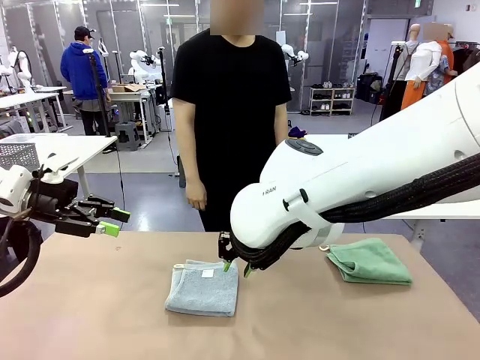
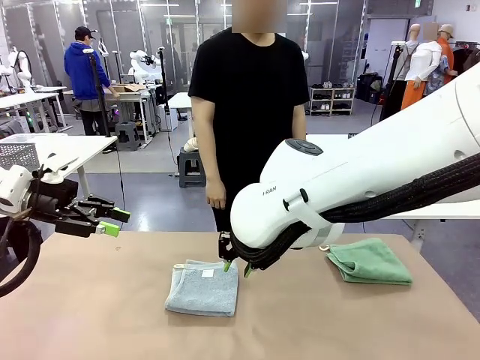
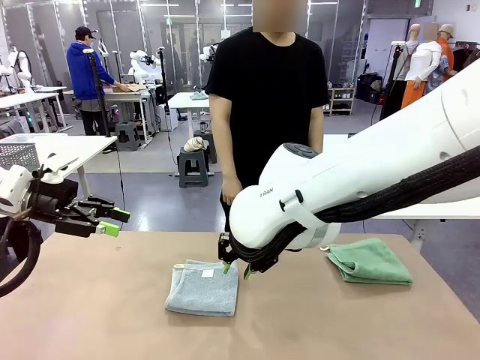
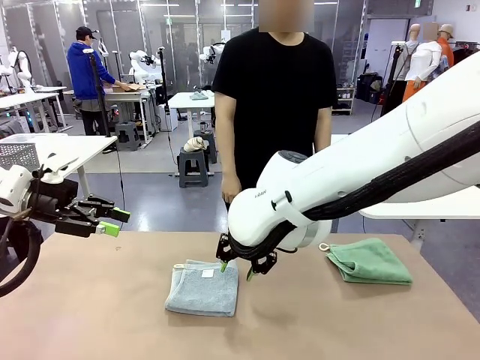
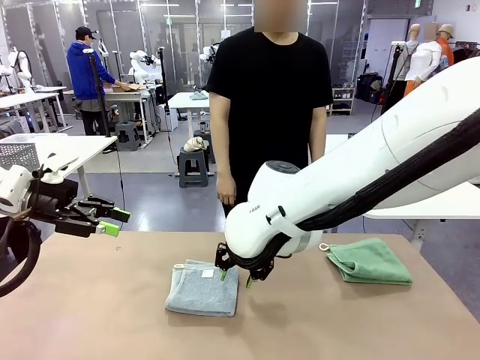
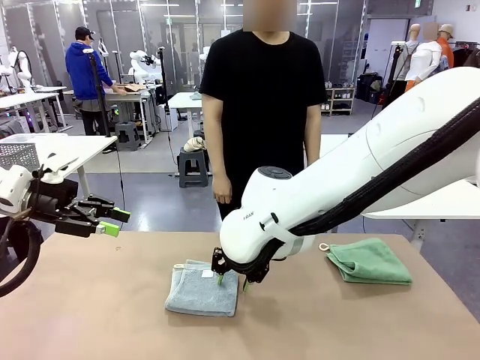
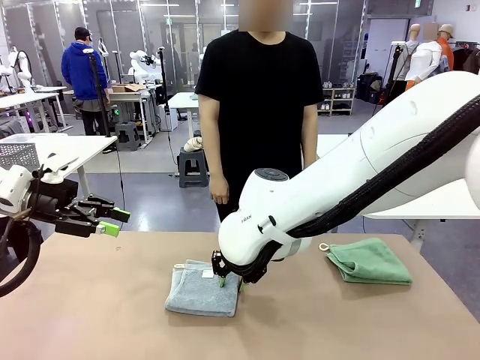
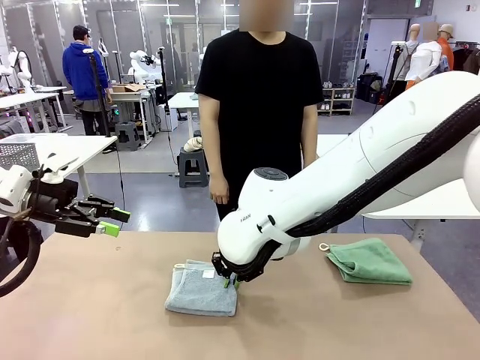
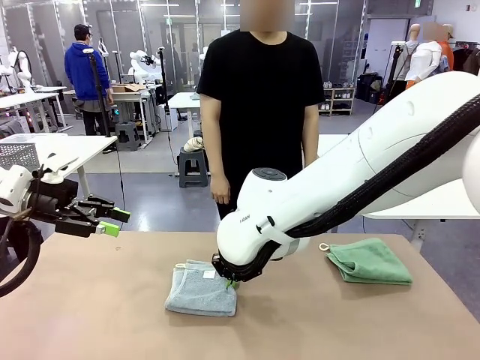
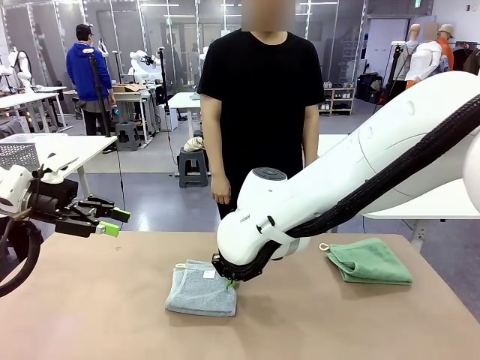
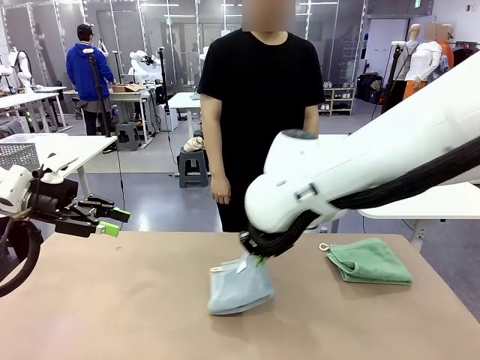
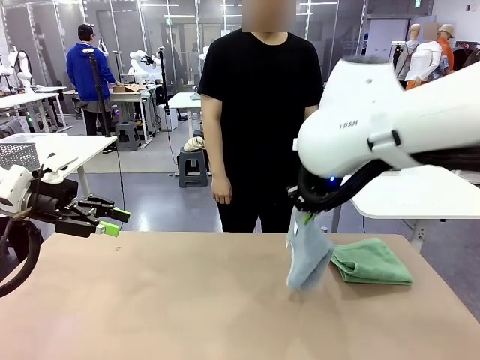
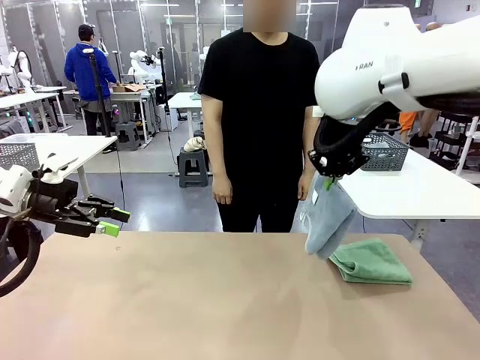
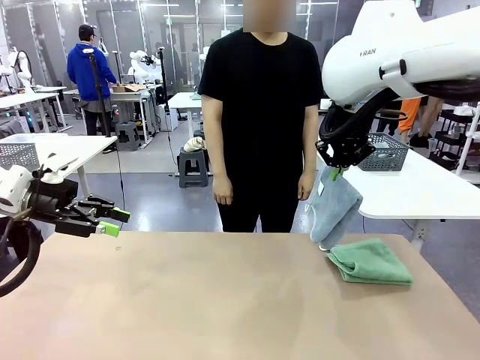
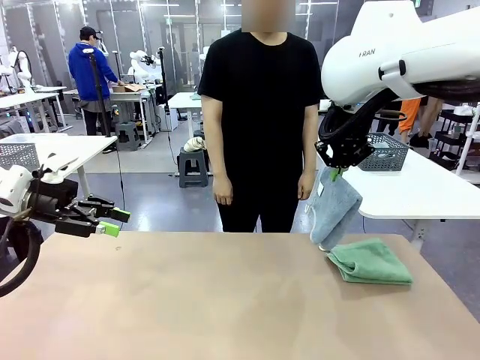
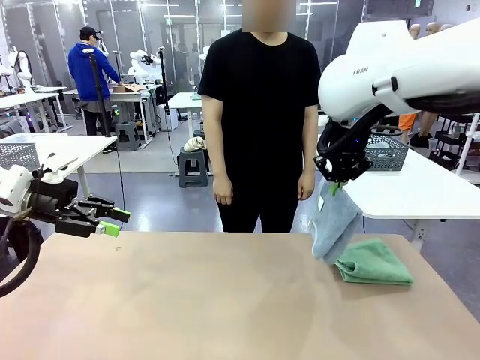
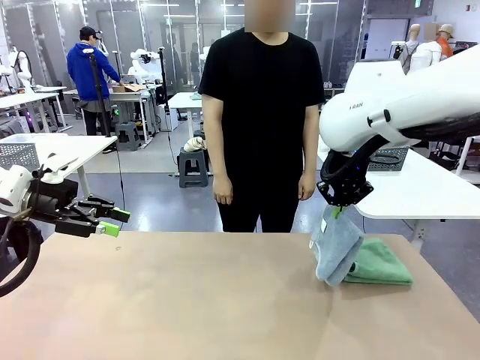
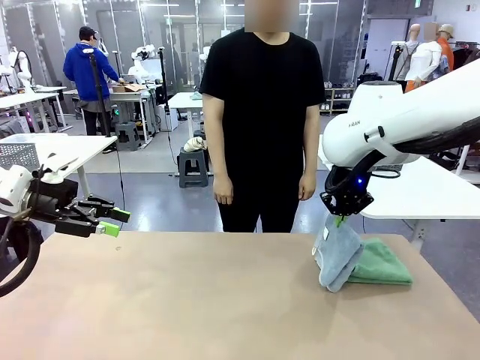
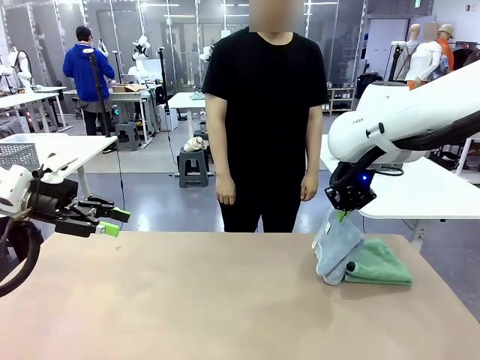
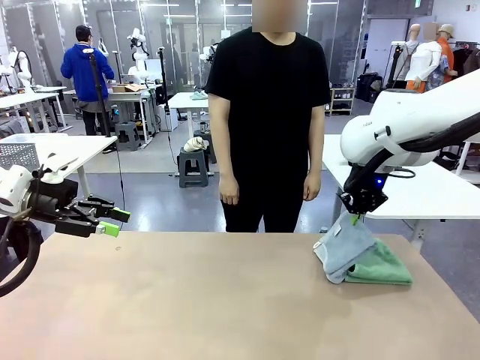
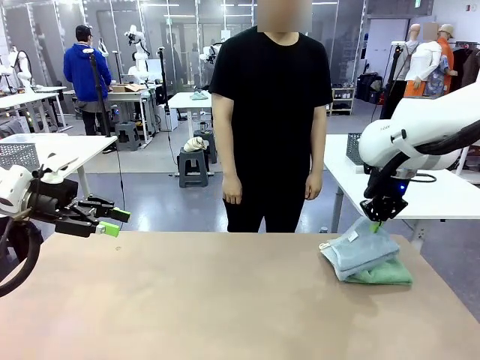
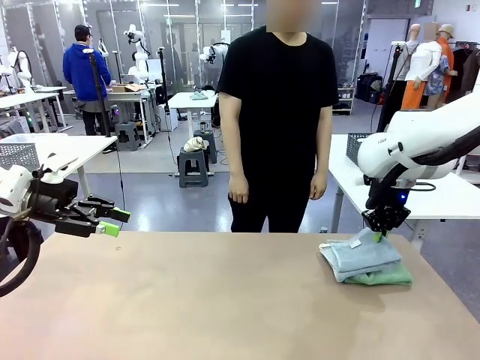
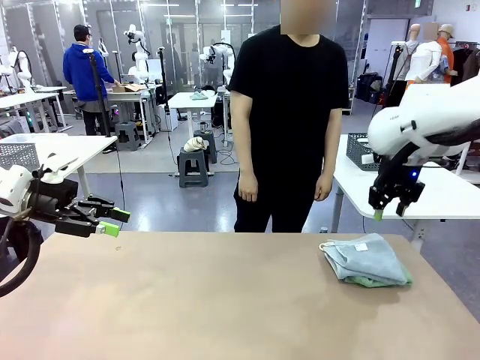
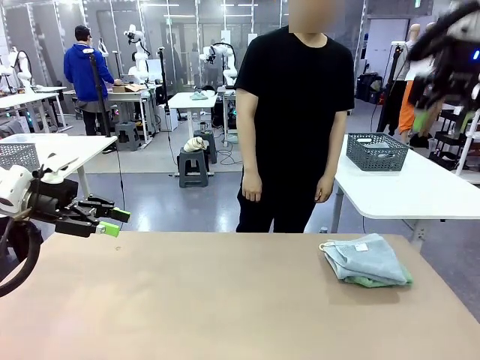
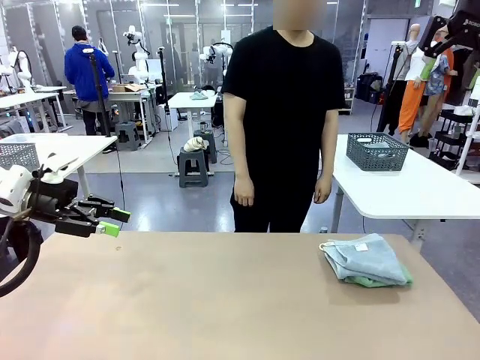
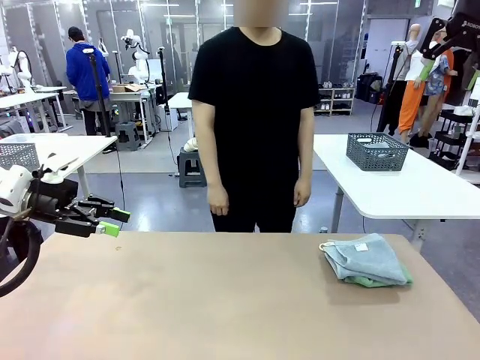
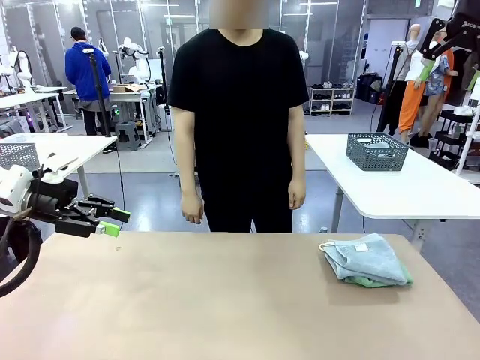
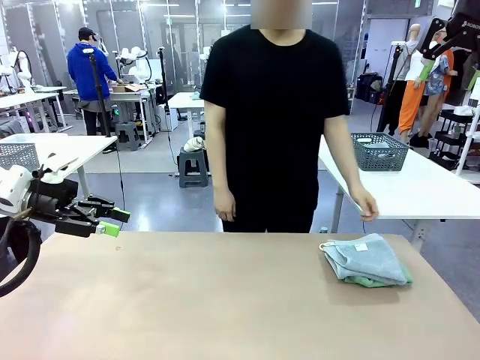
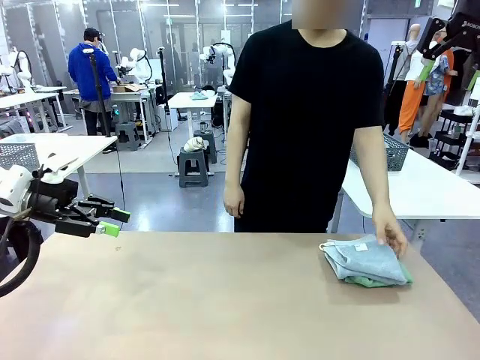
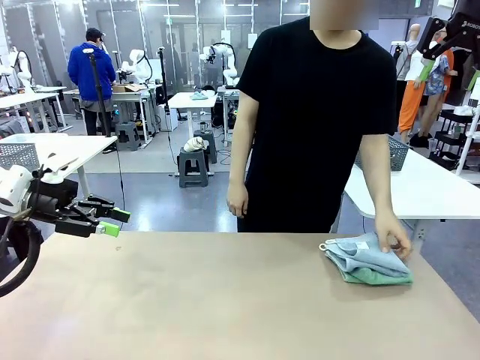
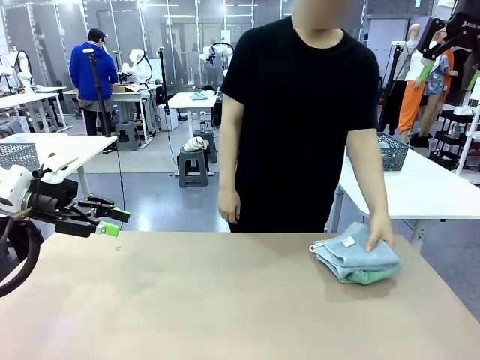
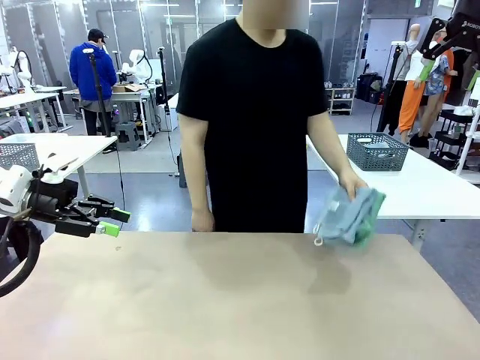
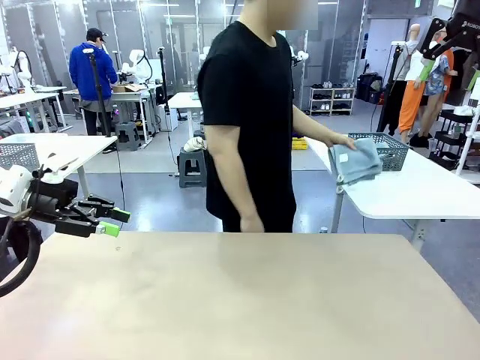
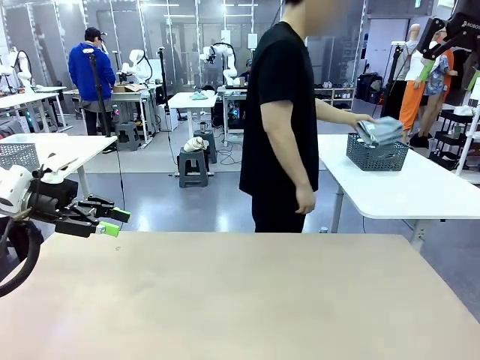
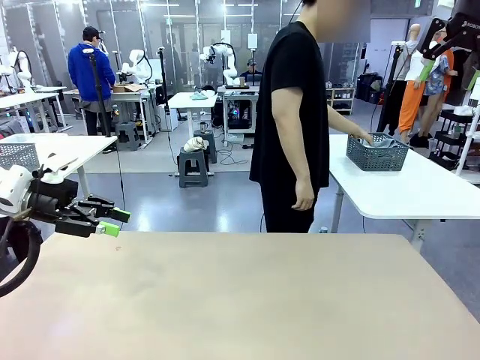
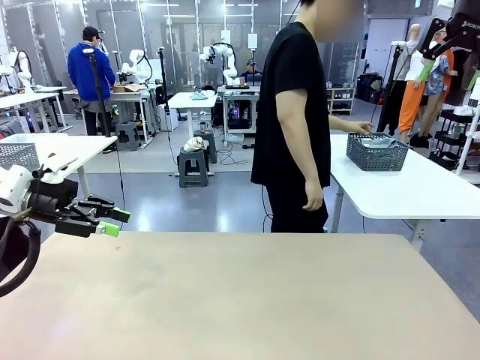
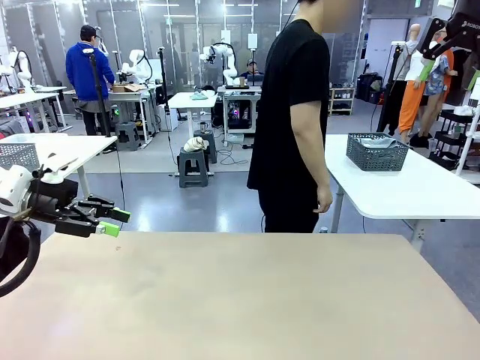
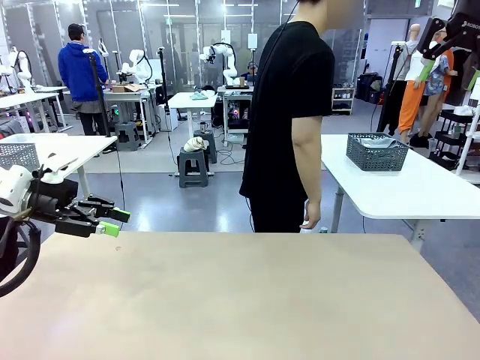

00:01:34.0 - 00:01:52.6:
Task: Fold the towels and place them in the basket.
Robot: Stack the folded Towel with hook on the right side of the table.
Person: Pick up the stack of towels from the robot table and place it into the basket.
